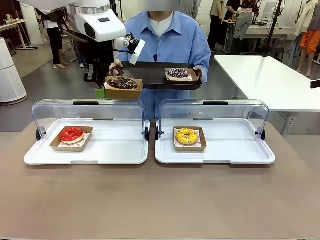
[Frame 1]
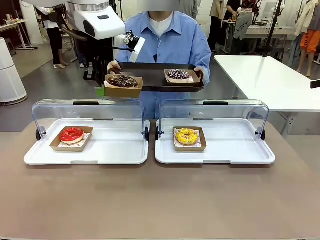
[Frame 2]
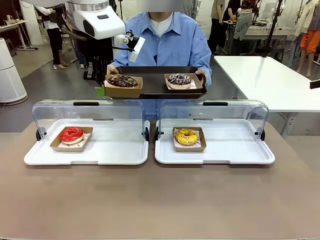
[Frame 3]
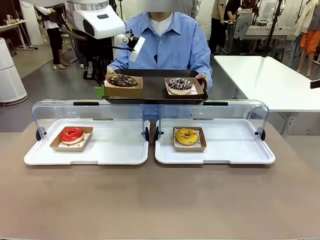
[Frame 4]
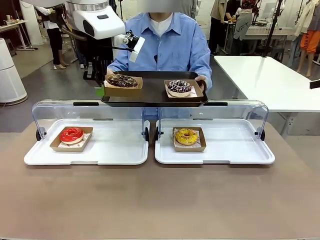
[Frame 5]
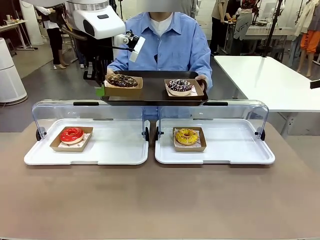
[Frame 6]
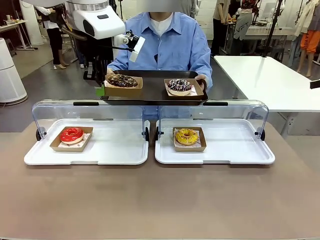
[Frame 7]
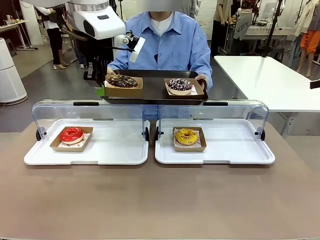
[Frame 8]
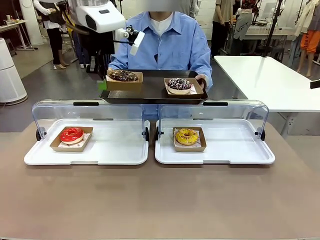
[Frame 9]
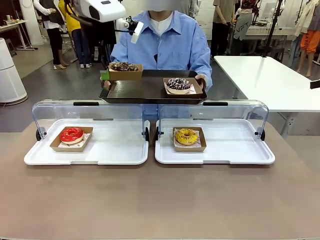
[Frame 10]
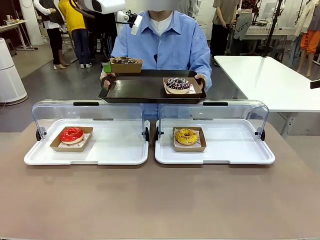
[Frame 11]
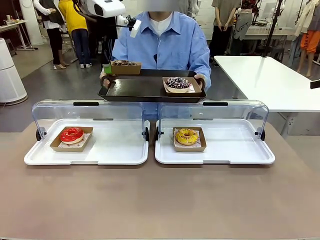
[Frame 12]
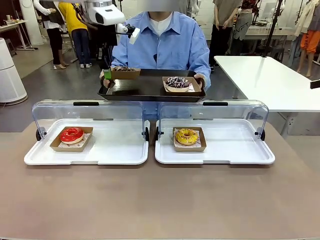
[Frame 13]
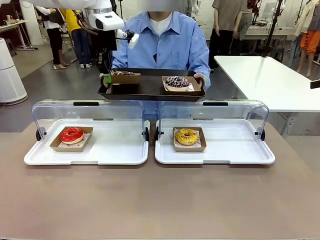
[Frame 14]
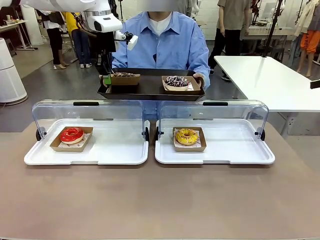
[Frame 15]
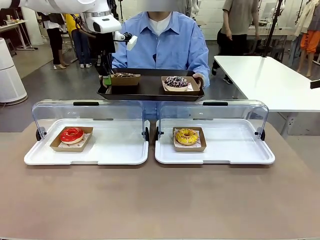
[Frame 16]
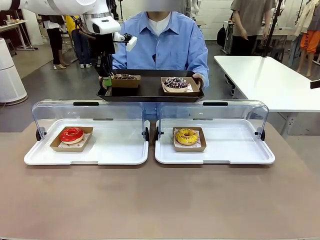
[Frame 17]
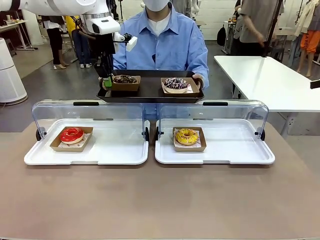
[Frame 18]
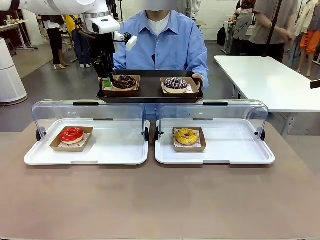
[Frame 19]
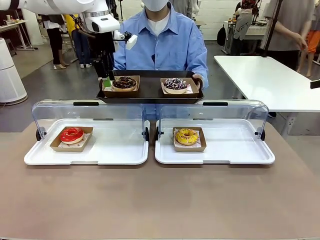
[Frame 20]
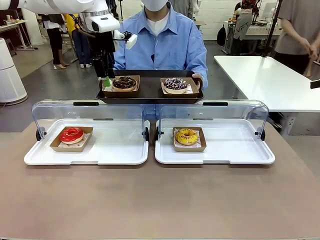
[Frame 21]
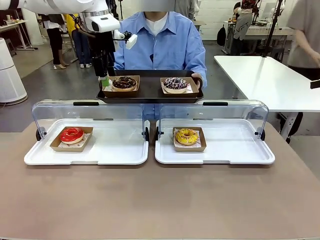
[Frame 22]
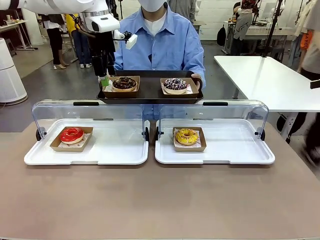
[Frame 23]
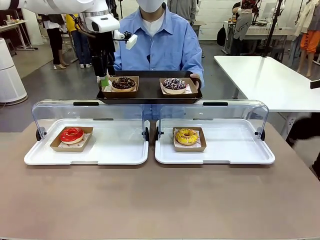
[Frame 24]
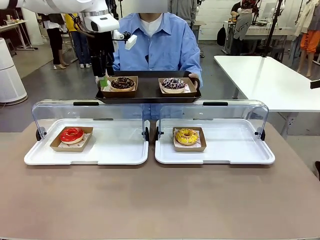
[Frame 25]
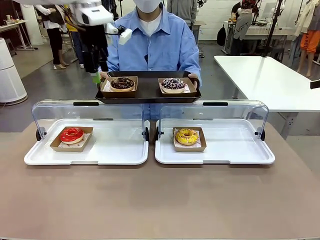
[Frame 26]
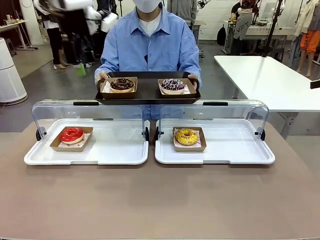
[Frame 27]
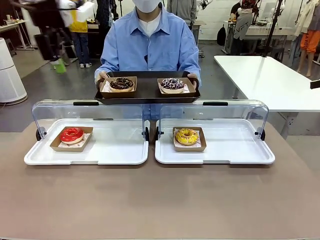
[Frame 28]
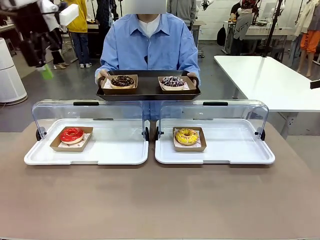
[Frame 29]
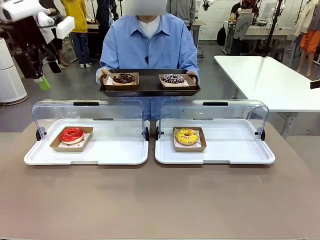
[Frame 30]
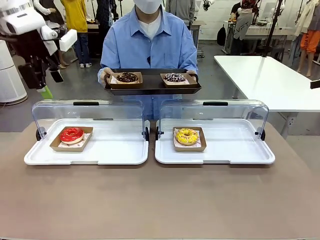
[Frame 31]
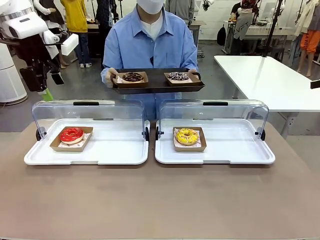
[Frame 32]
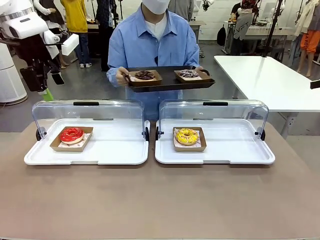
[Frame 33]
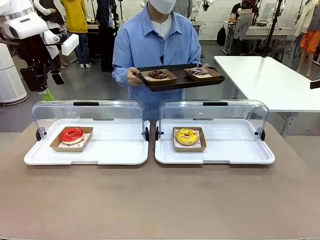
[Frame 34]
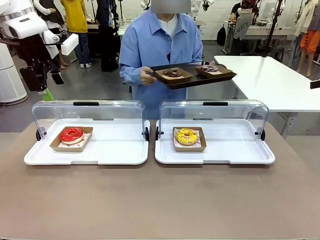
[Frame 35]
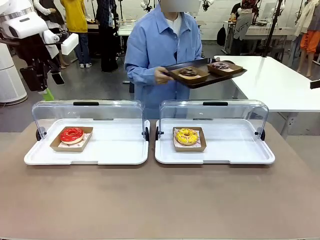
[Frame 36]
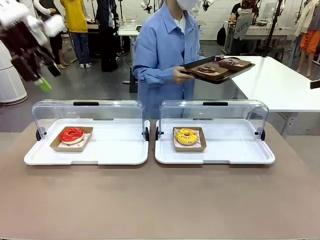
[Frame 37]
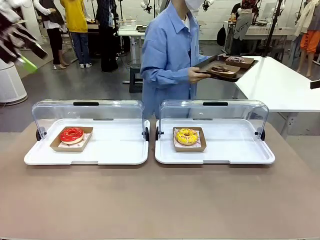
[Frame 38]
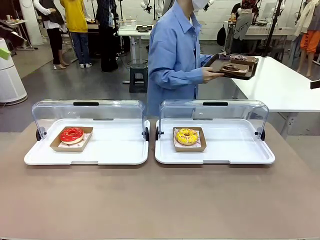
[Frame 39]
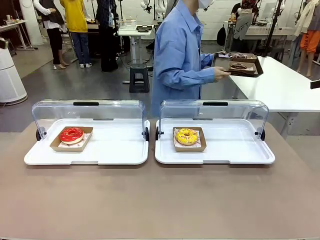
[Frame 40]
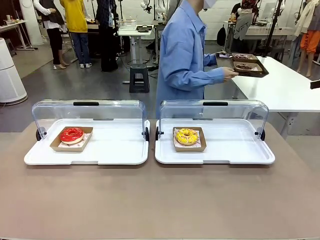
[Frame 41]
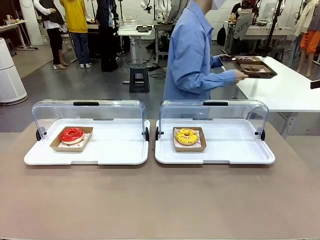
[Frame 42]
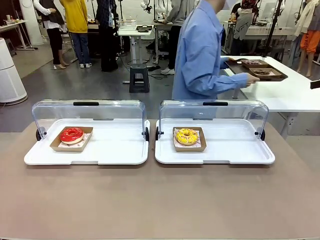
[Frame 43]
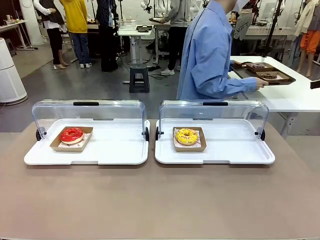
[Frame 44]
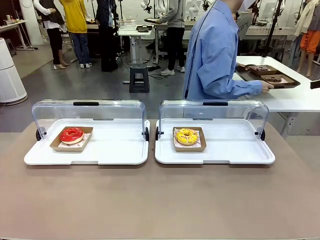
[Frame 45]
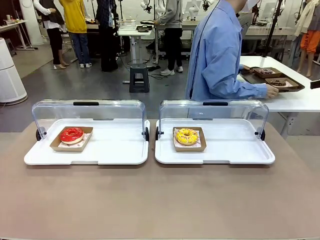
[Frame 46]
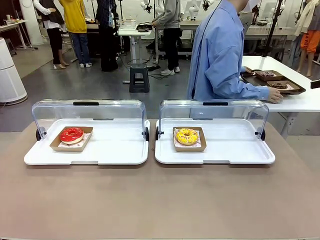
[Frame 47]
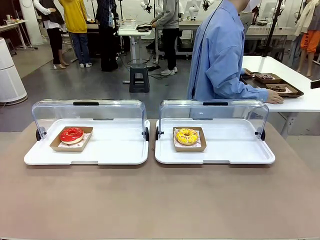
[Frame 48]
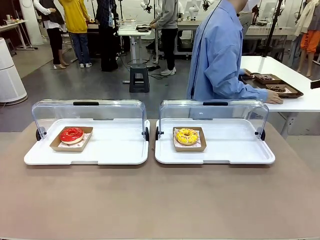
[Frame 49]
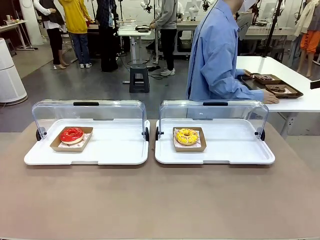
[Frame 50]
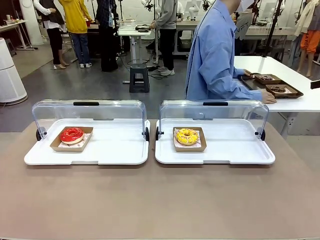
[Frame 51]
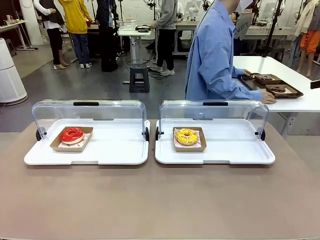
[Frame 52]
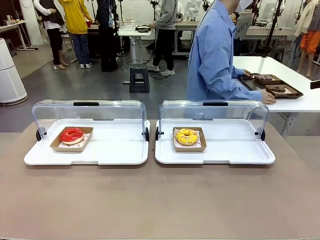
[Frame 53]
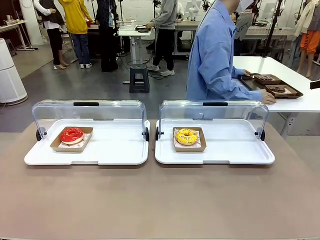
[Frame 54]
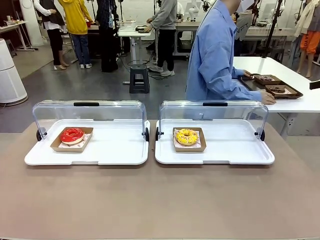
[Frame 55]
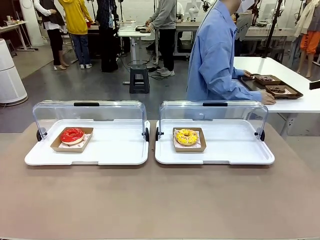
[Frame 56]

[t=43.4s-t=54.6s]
Task: Provide the desired donut to the person.
Robot: Place the picked Paper togo box onto the Handle tray extended by the person.
Person: Place the tray in the middle of the human table.

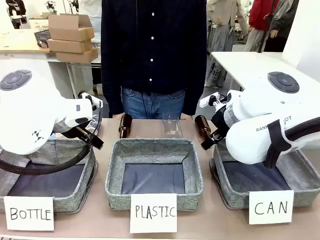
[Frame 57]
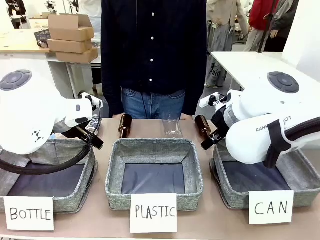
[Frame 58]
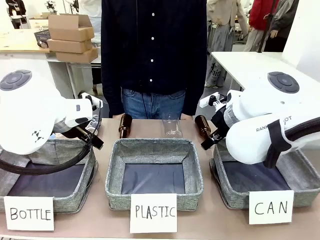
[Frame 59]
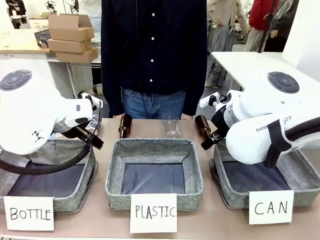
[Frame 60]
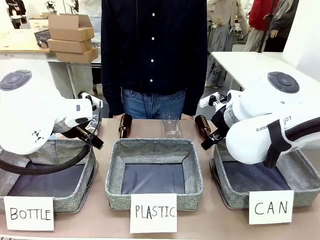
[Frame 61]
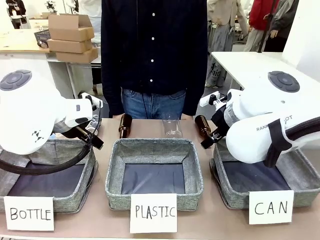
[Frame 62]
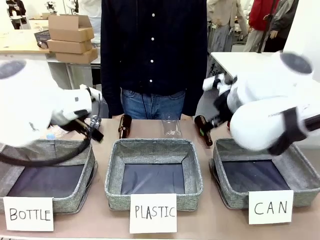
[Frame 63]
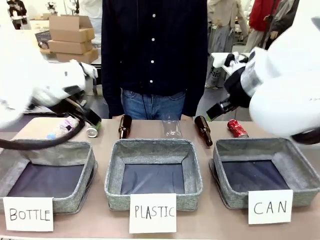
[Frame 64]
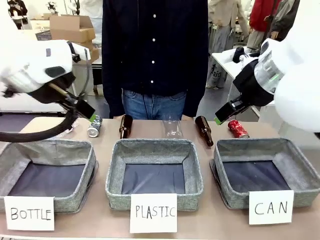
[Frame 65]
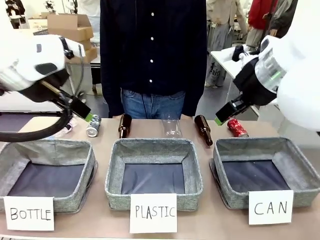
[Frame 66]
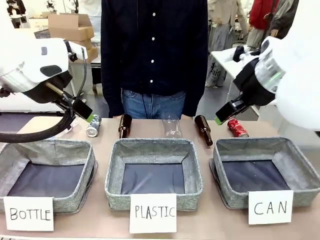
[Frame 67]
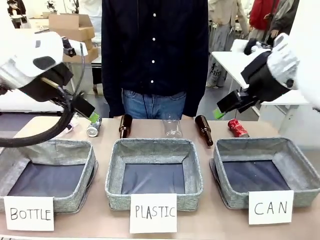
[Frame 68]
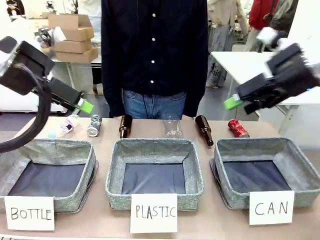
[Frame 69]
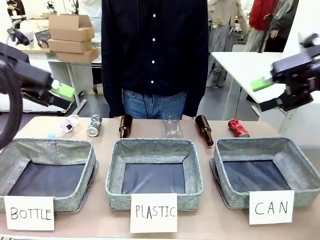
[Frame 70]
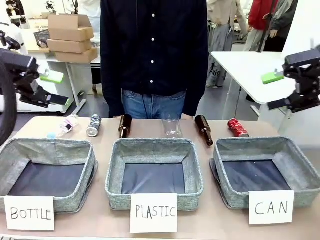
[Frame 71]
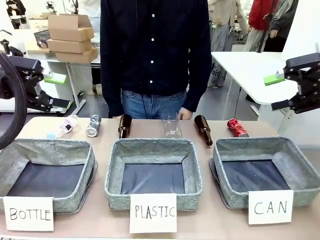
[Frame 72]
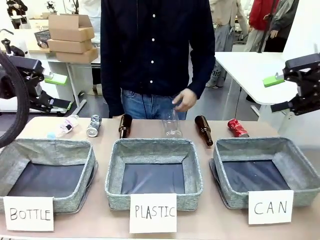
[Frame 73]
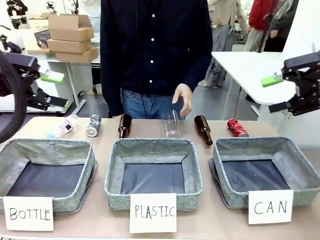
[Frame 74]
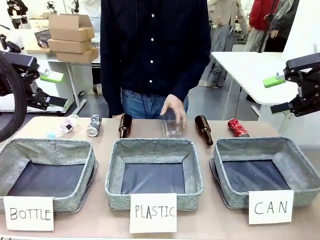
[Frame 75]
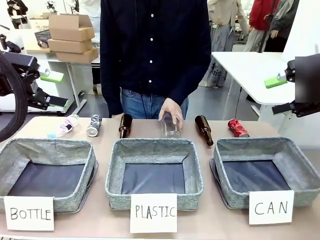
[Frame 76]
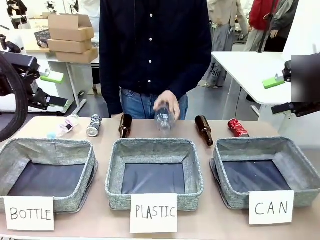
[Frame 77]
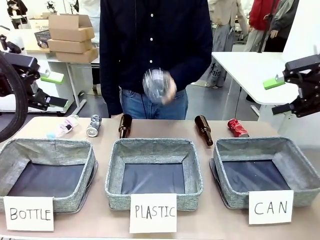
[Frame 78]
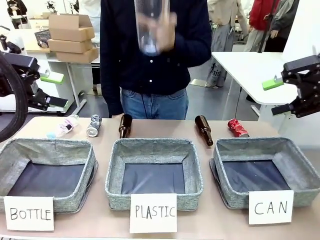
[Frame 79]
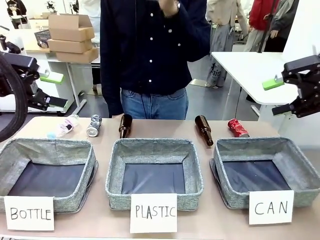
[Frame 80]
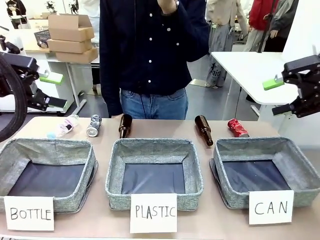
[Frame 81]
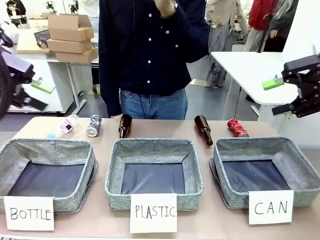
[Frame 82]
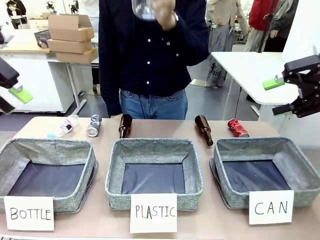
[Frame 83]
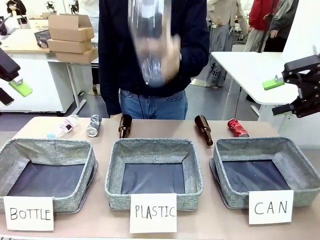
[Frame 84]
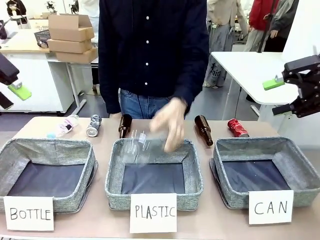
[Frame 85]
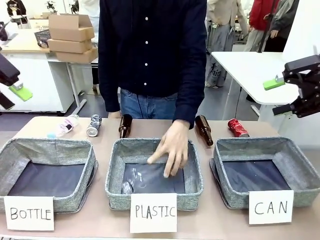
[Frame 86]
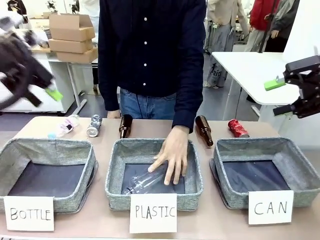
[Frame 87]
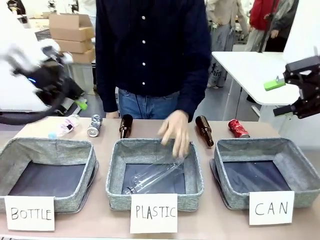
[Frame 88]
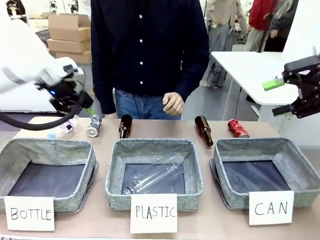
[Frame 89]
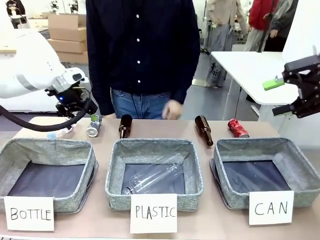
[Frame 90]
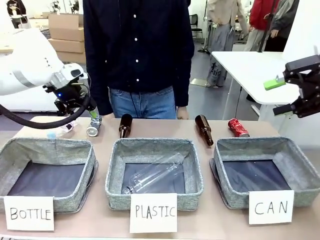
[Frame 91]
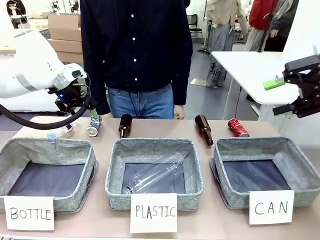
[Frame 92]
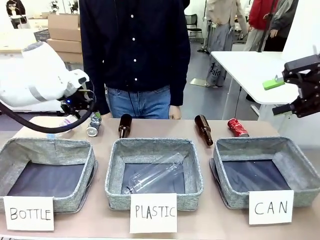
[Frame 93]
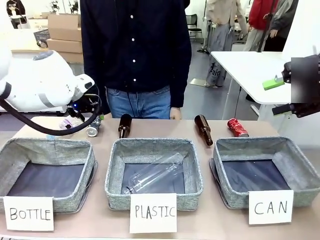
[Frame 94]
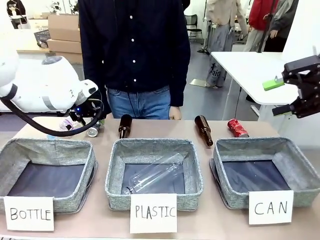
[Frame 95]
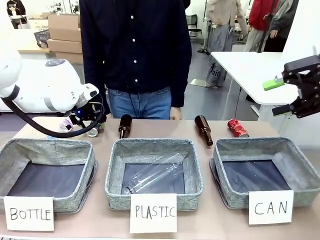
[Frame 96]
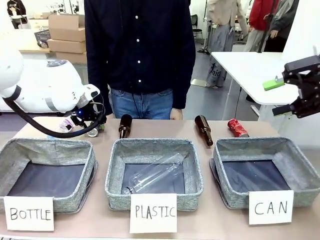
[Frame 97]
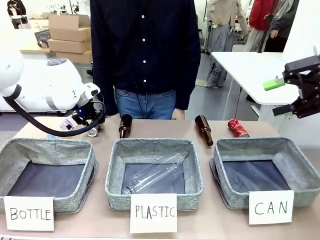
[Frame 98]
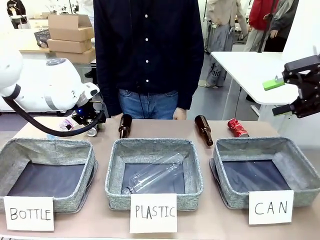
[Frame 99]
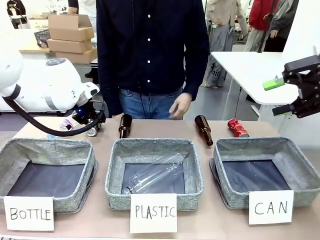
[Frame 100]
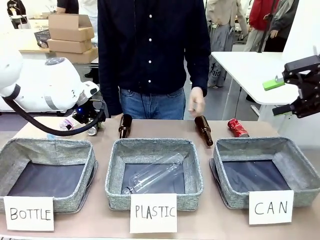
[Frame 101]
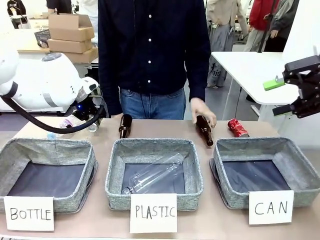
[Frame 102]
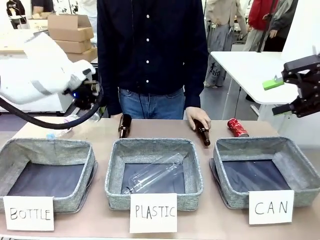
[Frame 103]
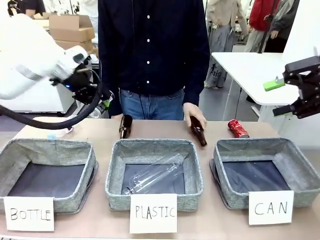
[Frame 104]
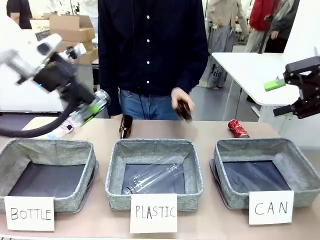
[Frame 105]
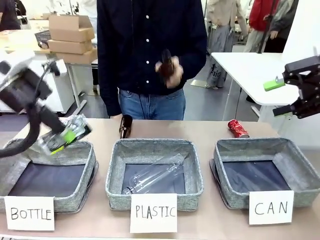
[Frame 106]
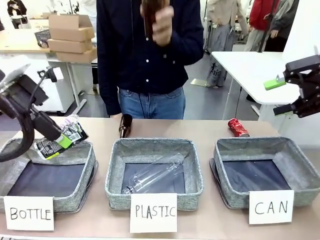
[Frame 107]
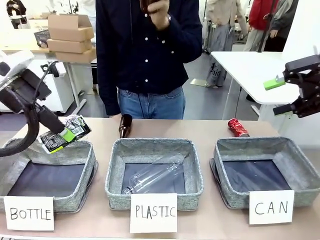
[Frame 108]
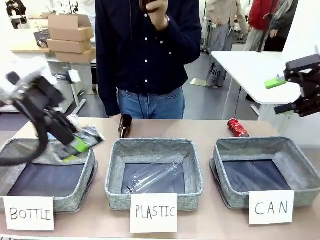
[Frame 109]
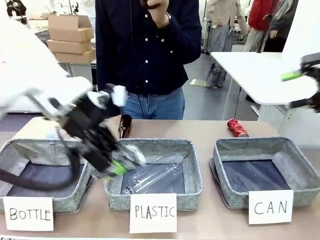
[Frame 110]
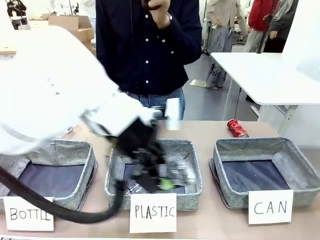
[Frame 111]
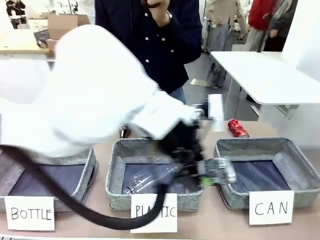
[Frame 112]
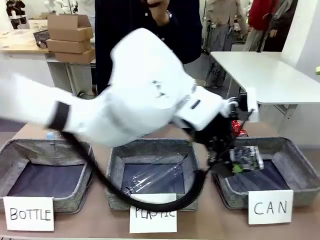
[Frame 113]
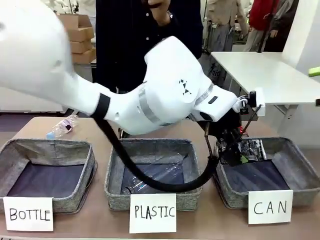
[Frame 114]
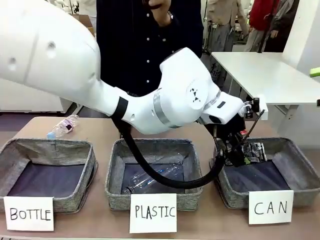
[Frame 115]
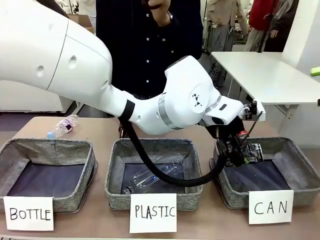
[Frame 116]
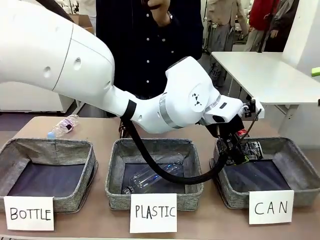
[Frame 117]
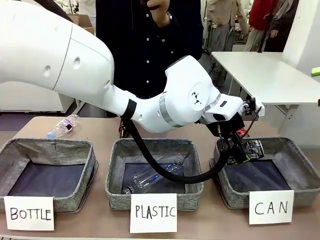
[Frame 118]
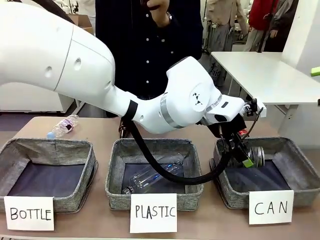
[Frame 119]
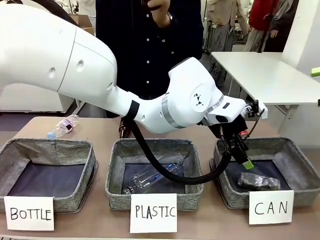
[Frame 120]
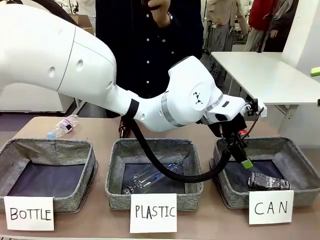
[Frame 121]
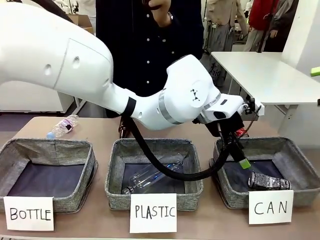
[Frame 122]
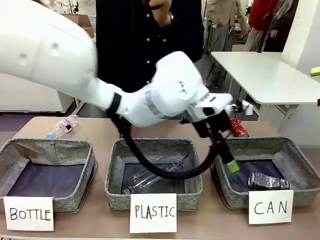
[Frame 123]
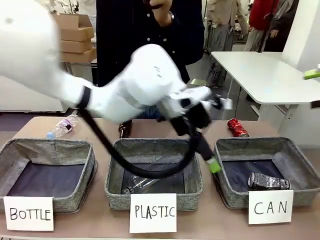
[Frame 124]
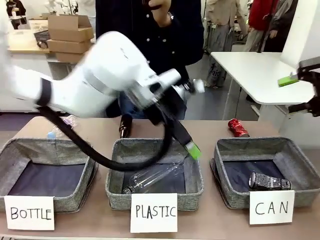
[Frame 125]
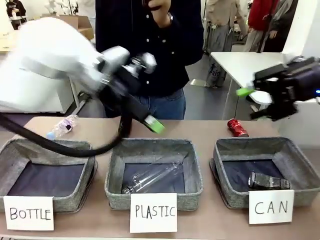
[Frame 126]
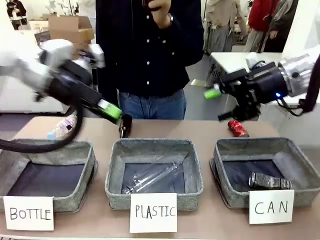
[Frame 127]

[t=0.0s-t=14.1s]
Task: Sort the can waste into the basket.
Robot: Pick up the can waste from the table and place it in the right Fabric basket.
